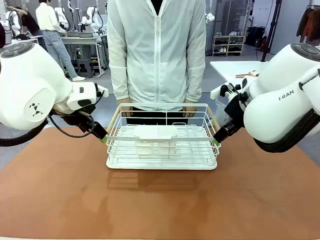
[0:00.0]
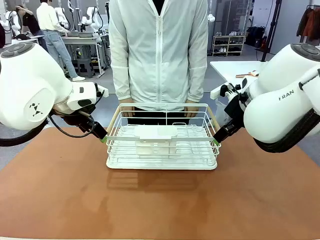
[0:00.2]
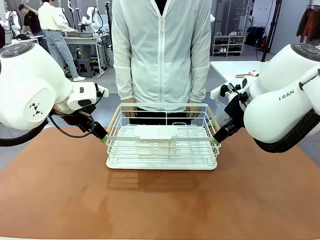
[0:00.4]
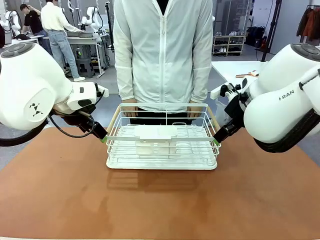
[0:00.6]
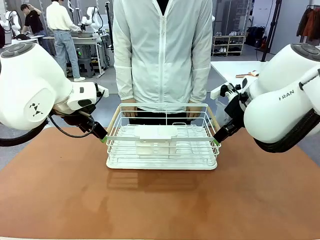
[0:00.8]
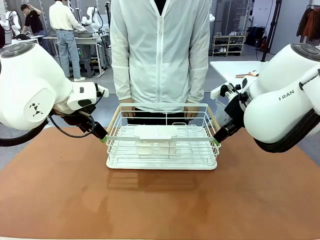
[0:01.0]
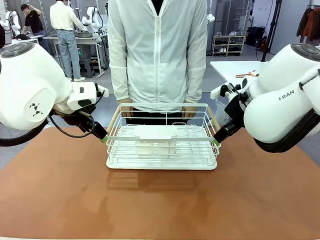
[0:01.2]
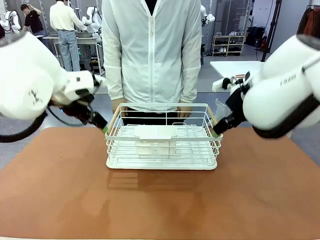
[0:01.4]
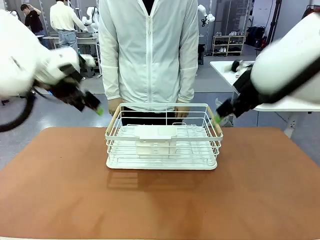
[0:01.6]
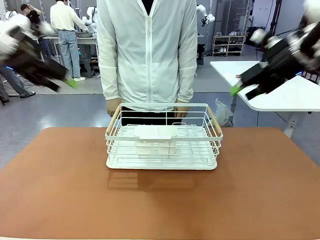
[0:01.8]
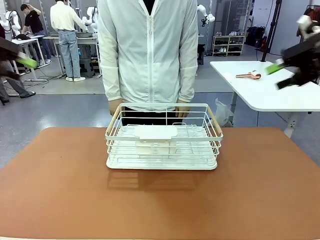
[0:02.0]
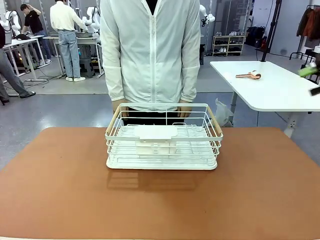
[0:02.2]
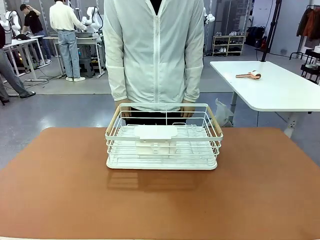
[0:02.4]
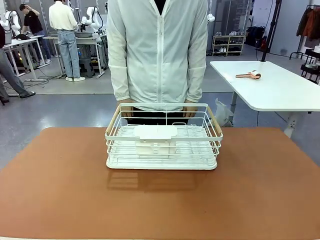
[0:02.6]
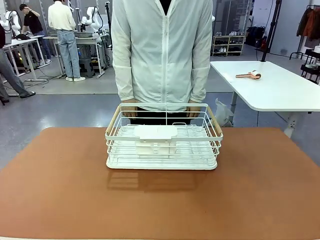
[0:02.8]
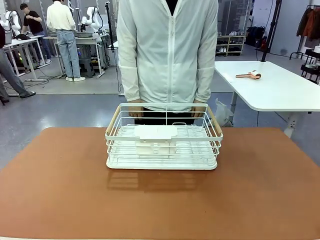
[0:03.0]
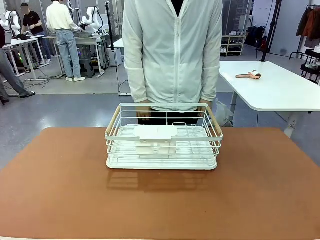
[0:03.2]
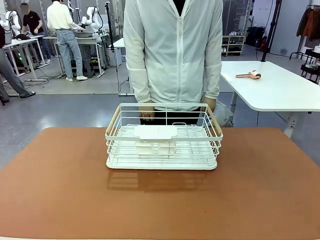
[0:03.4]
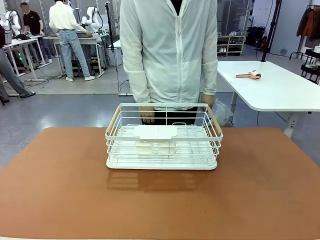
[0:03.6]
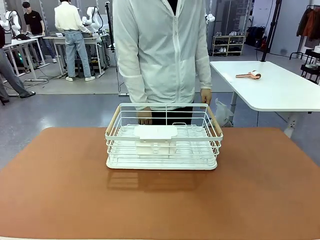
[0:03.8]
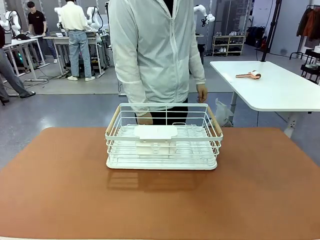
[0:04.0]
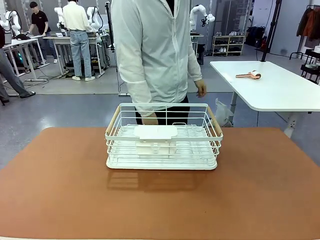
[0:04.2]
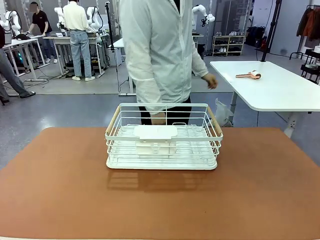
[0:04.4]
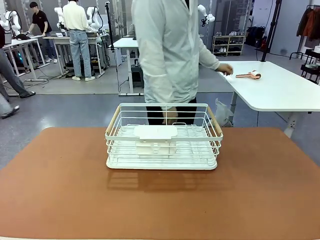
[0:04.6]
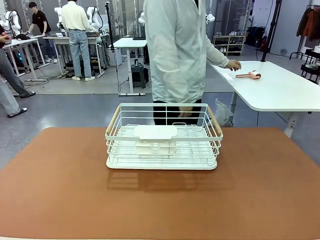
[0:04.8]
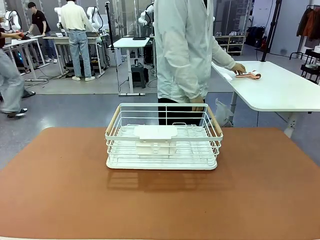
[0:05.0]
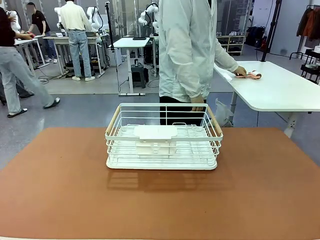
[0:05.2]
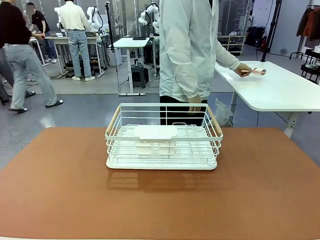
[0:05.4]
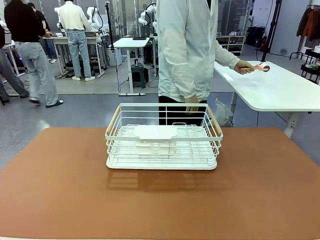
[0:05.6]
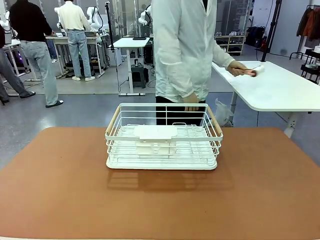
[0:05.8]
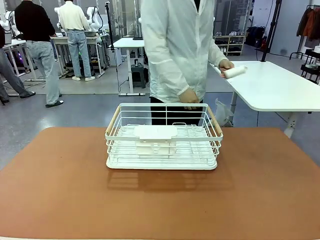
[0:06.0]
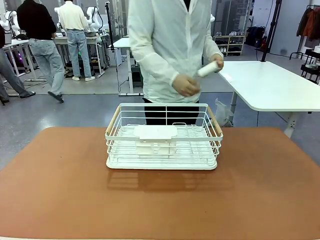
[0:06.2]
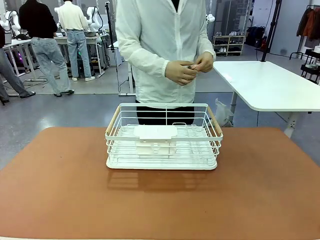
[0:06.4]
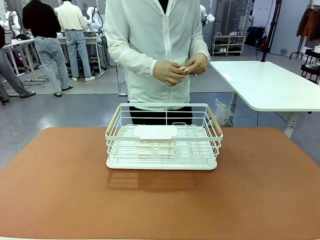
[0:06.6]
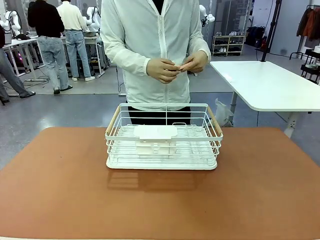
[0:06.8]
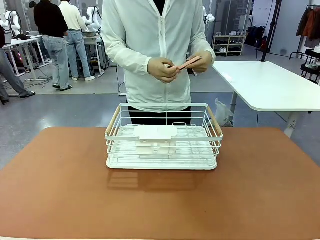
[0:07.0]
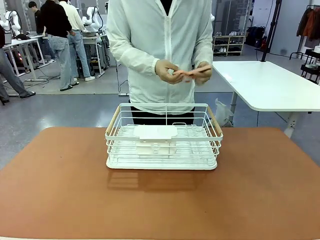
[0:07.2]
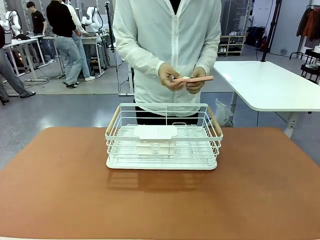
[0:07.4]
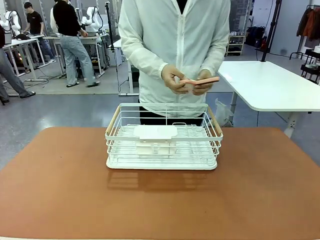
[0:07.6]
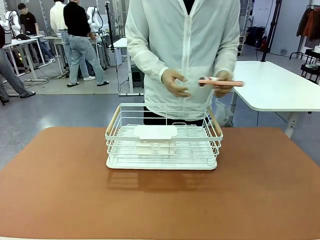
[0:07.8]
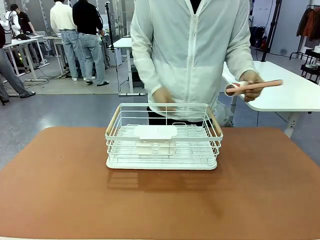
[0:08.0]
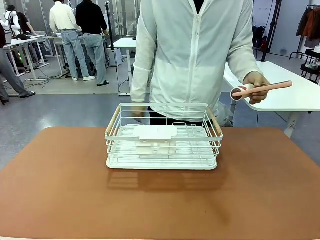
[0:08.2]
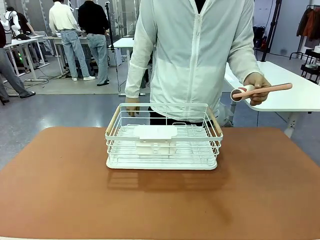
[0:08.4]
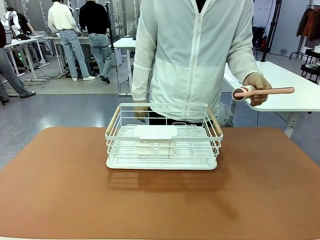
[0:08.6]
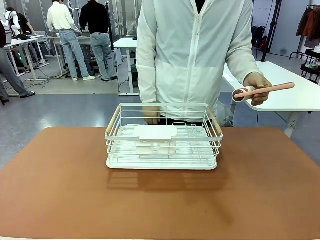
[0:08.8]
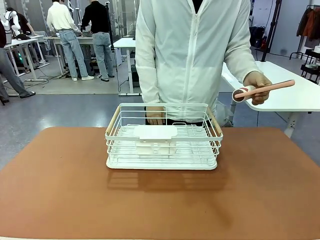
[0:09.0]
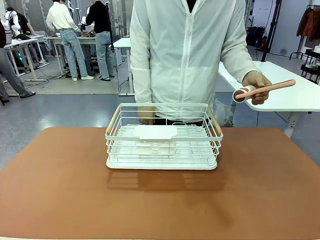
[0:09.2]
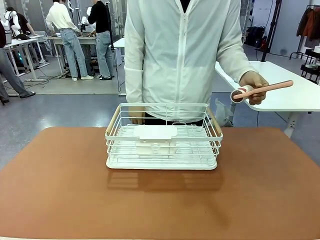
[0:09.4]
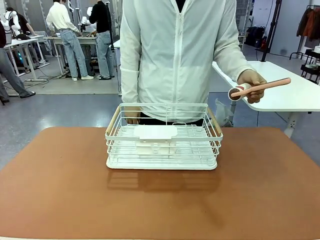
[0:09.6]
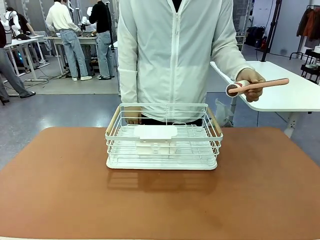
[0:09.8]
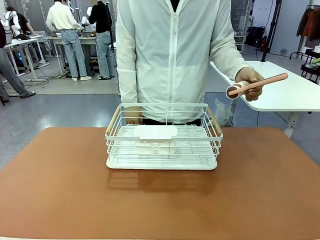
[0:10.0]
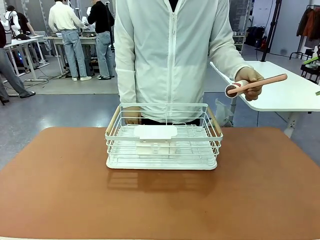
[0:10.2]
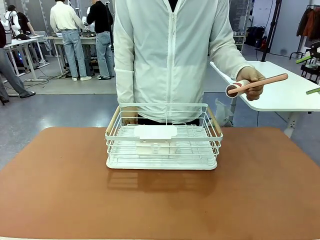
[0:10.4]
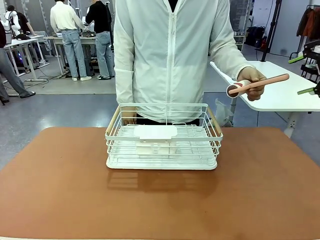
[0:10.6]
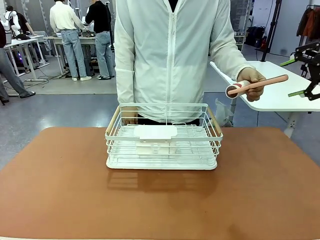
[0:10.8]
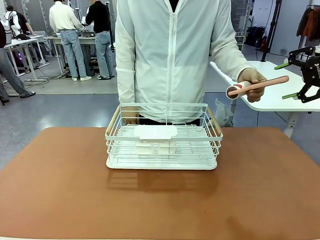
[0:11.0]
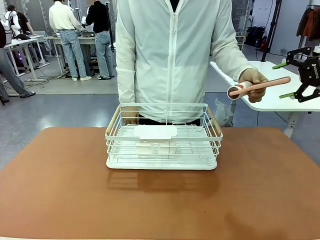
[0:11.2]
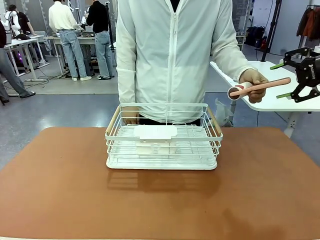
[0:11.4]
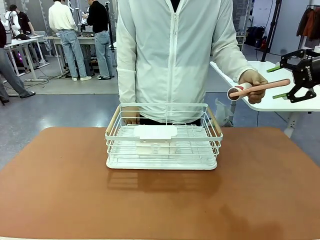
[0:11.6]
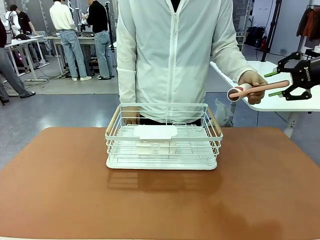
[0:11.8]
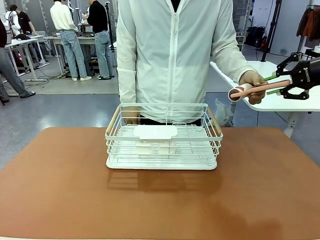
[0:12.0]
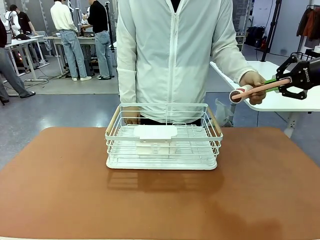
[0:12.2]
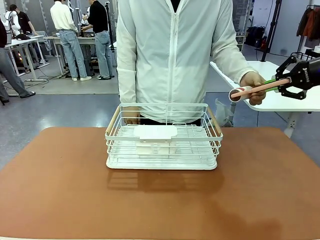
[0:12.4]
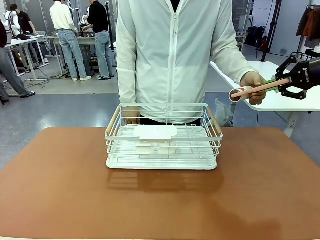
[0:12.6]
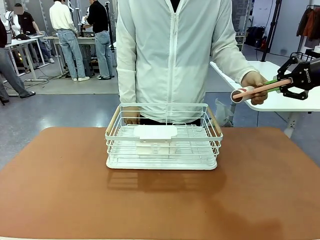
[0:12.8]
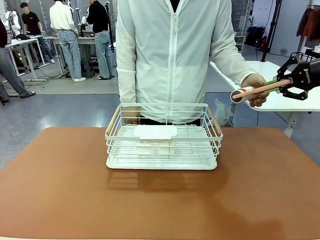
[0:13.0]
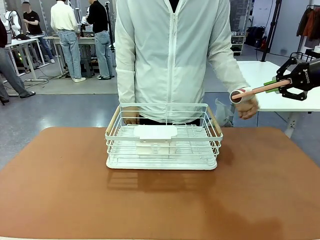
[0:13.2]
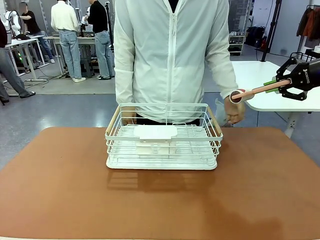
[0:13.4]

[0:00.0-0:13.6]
Task: Clean the table.
Robot: Pick up the Lint Roller when the human hands it over.
Person: Hand the Lint Roller to the robot so it can easily pick it up. Lift the Dish drying rack.
